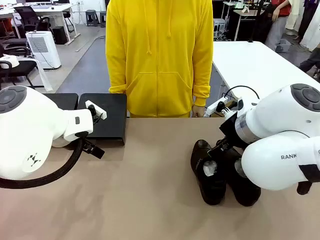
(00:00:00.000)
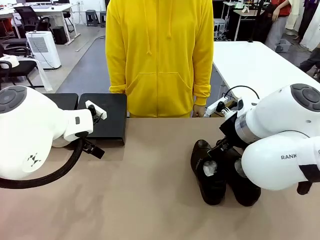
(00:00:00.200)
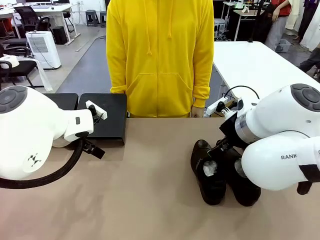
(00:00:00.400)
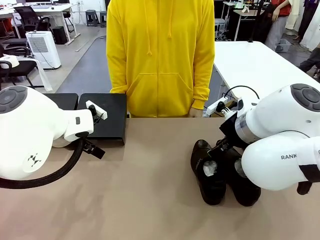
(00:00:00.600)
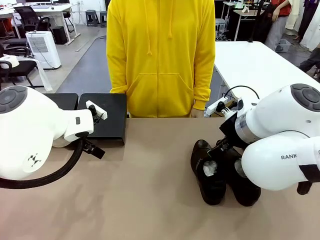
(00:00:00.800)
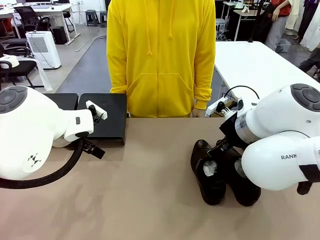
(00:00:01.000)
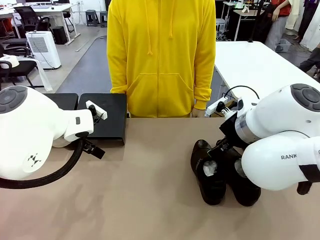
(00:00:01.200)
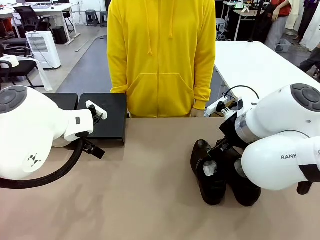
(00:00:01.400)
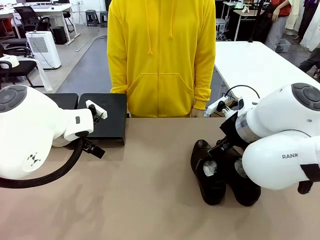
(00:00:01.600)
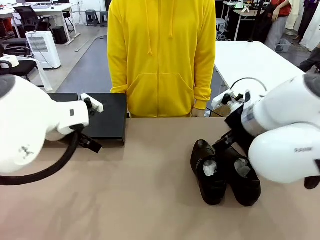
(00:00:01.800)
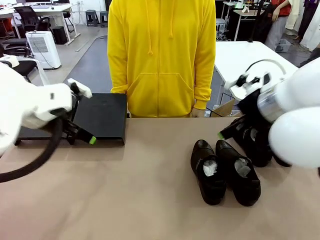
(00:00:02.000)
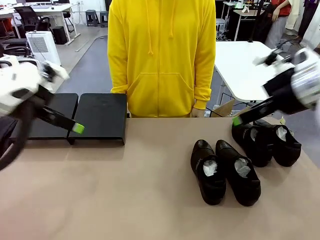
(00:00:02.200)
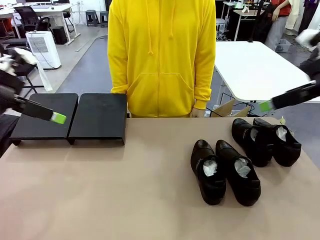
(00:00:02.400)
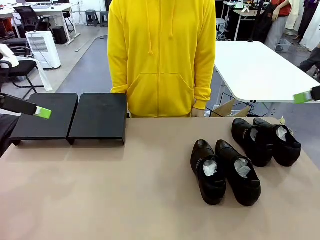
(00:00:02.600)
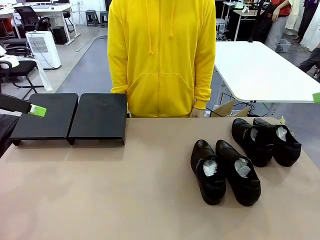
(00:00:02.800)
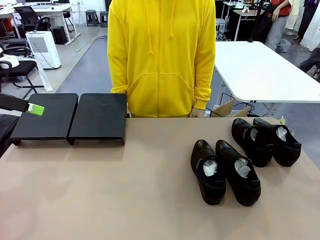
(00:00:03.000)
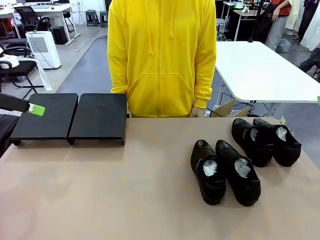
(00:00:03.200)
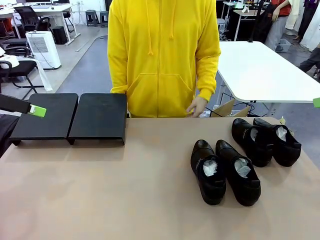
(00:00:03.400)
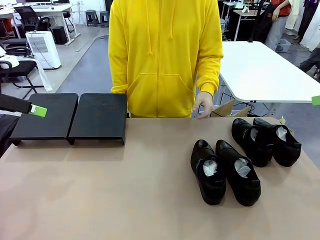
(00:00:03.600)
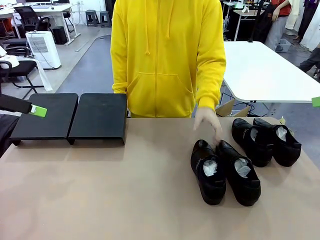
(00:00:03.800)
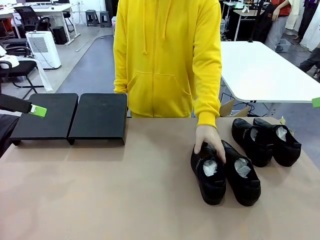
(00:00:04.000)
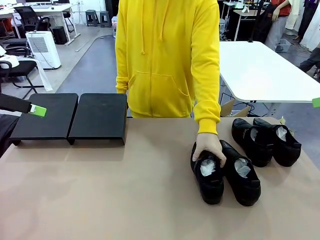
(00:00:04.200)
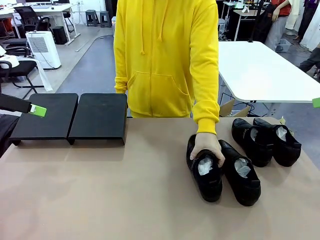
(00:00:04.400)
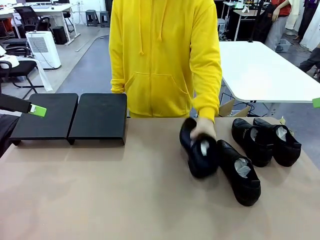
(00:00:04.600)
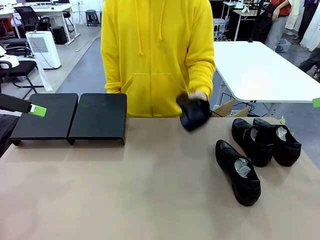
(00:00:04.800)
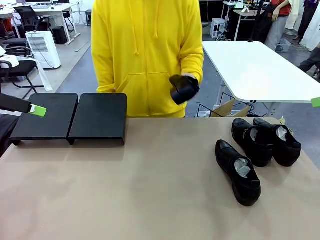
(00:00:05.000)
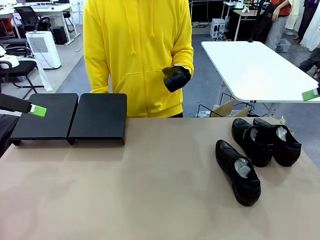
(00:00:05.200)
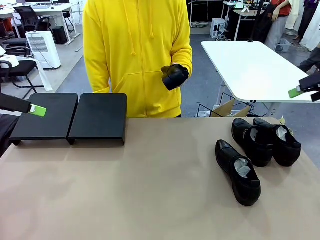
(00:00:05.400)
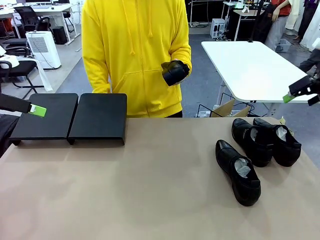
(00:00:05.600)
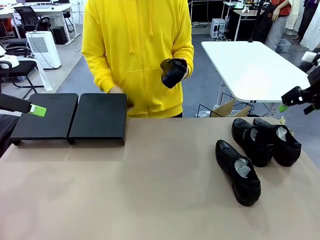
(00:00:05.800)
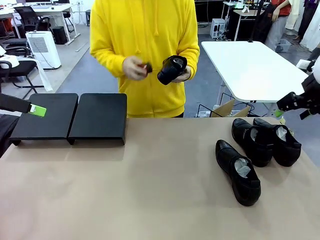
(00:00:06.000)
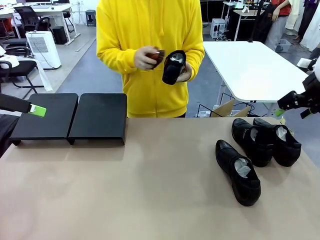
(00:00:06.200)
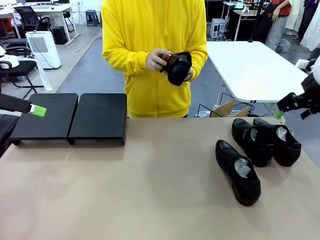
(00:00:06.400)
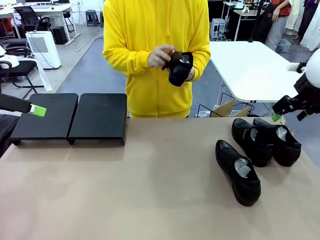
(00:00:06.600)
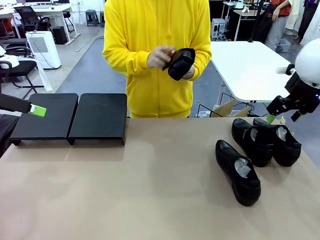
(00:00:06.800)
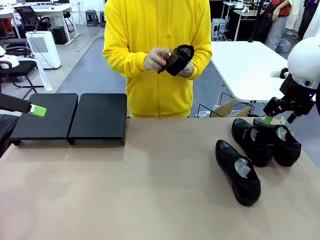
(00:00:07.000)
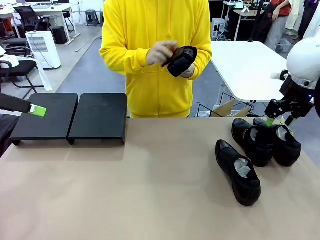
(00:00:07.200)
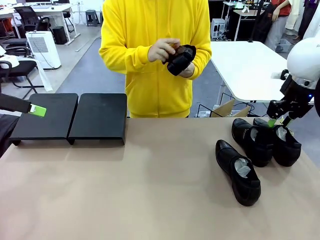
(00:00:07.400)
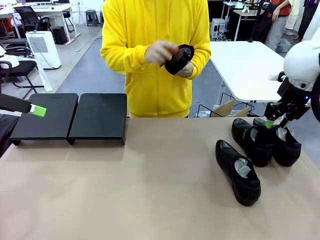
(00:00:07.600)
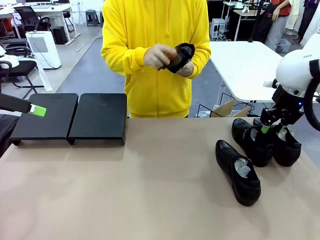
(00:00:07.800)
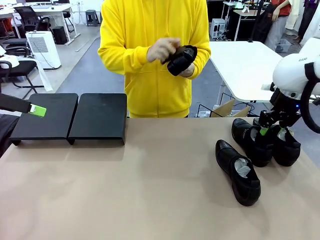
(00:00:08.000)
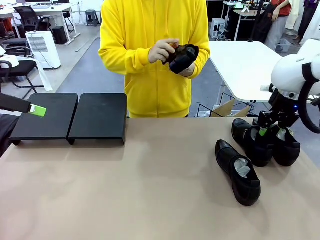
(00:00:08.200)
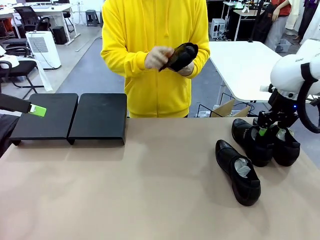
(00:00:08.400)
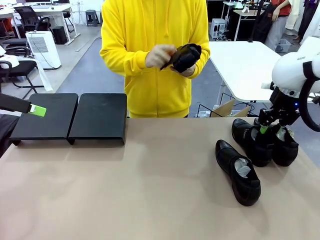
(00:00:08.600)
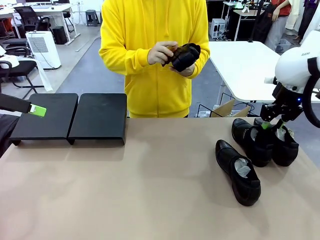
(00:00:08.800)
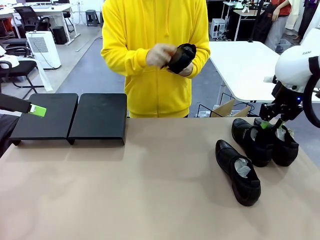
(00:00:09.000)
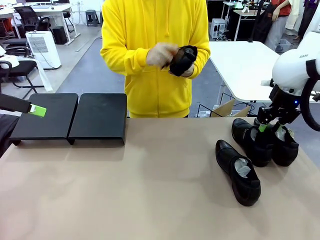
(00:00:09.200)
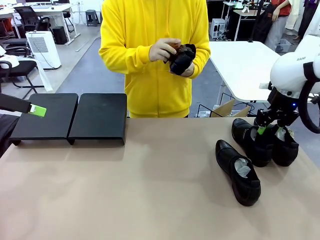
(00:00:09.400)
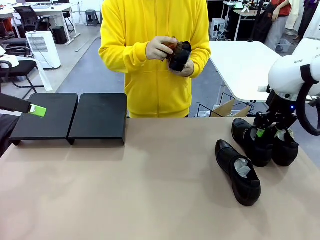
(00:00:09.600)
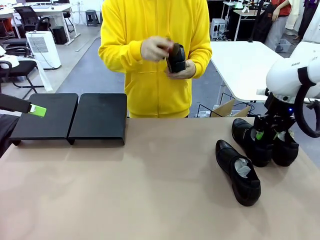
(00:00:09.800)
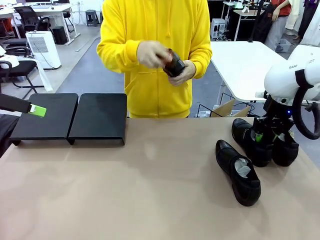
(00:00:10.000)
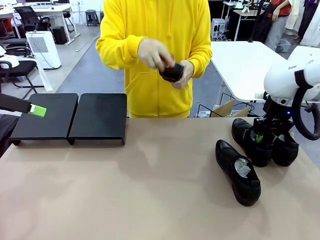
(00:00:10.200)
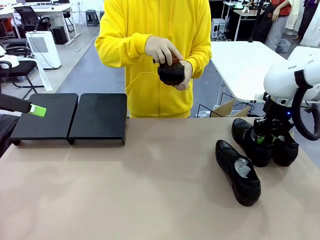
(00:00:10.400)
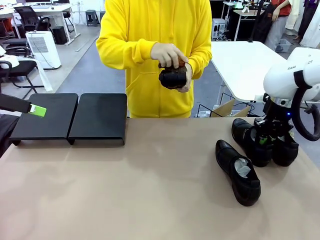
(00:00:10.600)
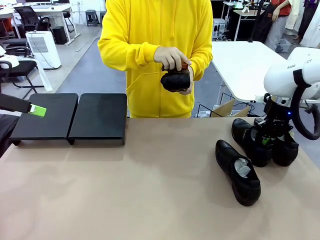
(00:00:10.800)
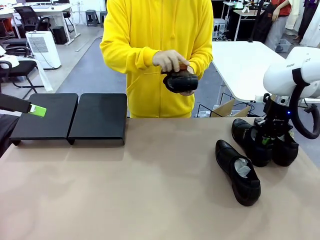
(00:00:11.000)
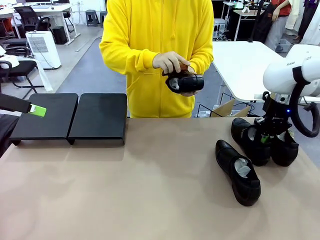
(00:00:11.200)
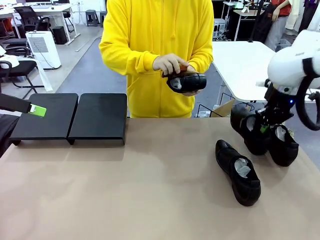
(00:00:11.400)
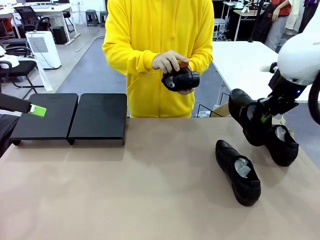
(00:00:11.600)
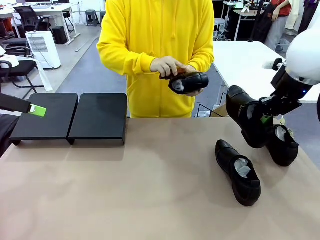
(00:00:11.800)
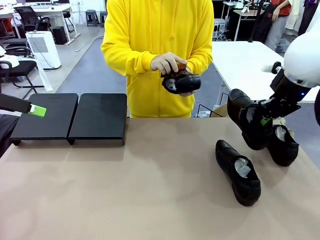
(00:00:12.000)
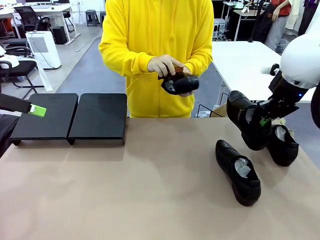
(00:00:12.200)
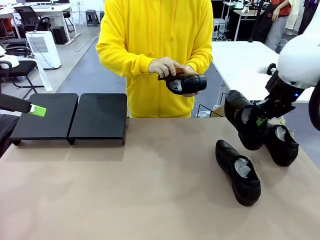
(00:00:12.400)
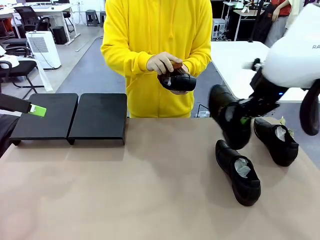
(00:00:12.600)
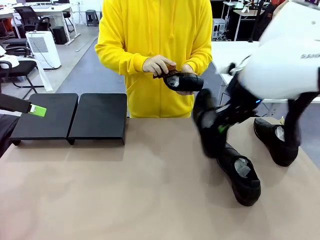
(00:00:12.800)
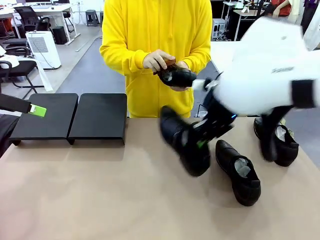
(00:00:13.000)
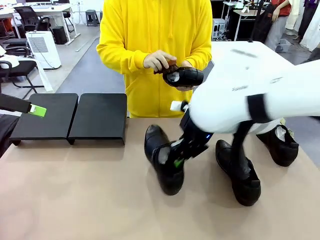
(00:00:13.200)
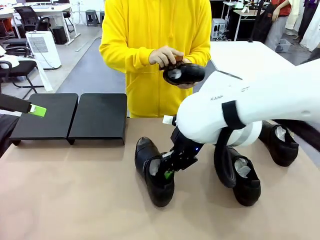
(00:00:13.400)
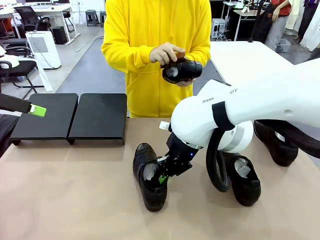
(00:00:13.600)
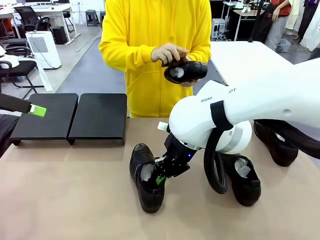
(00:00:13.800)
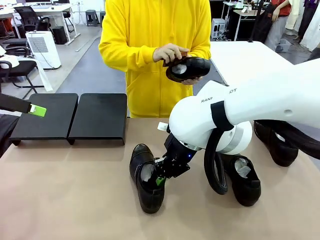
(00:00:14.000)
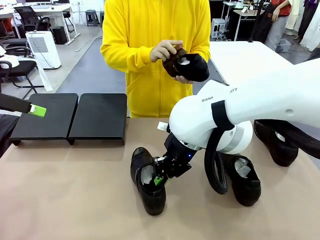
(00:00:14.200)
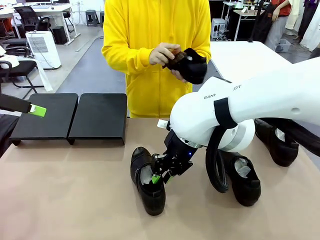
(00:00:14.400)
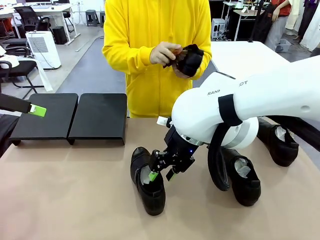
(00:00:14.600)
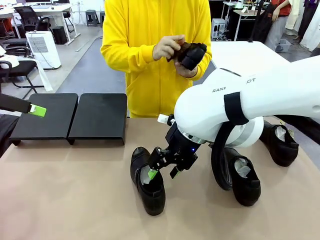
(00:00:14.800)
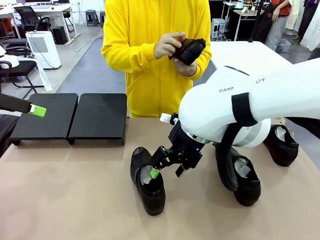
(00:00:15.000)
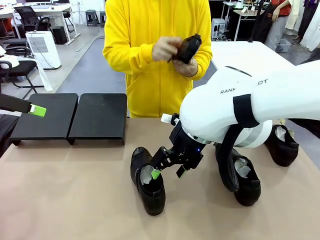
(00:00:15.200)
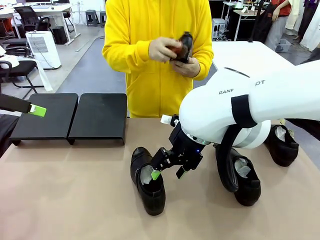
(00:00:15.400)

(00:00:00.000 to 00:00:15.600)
Task: Organize the shoes by placing them on the stand.
Robot: Pick up one Shoe and place it in the middle of the table.
Person: Pick one Shoe on Robot's table. Clean the Shoe with the Shoe Brush.
